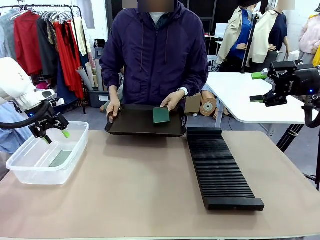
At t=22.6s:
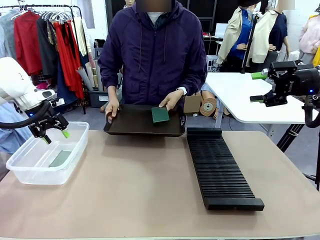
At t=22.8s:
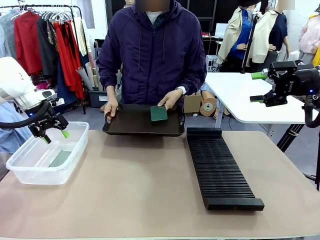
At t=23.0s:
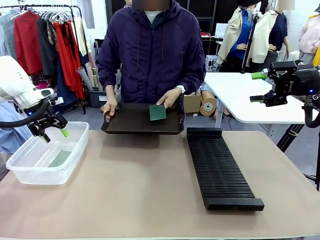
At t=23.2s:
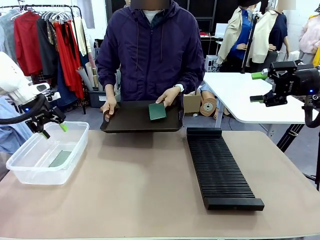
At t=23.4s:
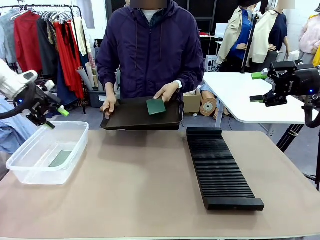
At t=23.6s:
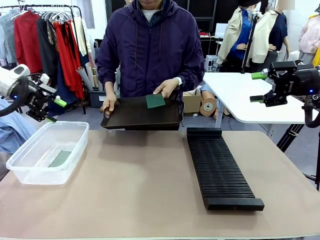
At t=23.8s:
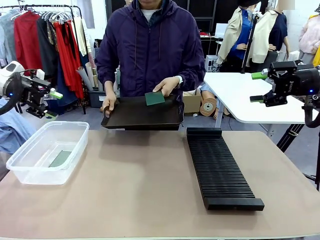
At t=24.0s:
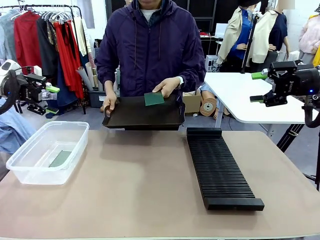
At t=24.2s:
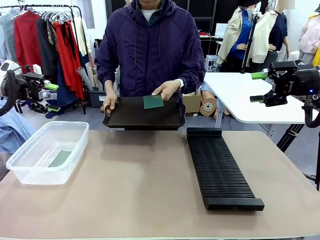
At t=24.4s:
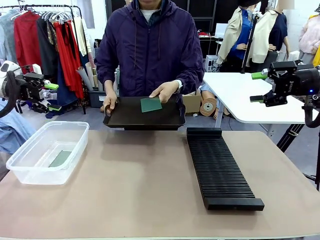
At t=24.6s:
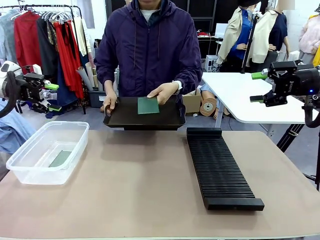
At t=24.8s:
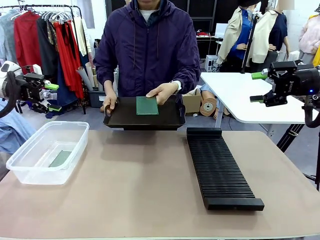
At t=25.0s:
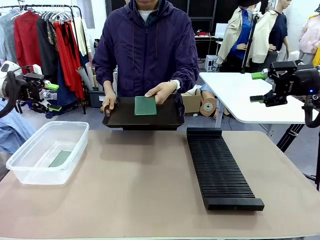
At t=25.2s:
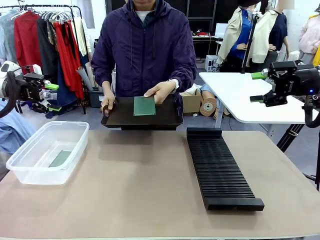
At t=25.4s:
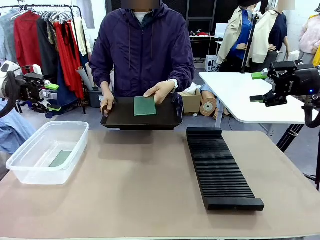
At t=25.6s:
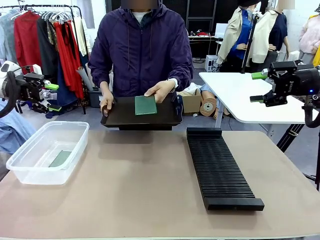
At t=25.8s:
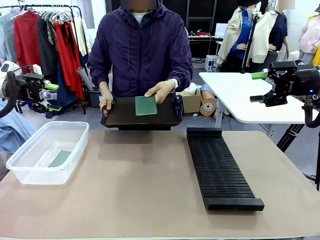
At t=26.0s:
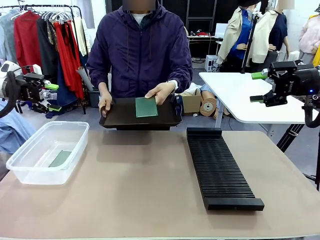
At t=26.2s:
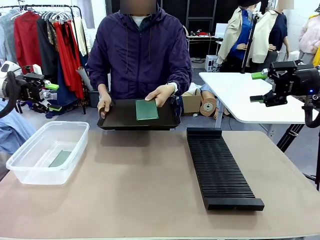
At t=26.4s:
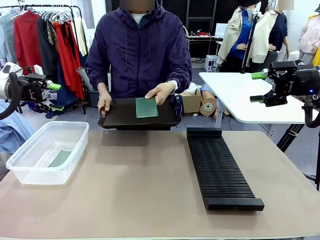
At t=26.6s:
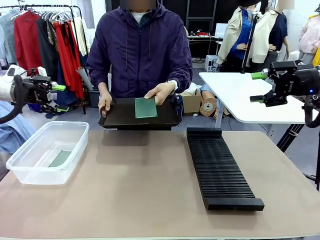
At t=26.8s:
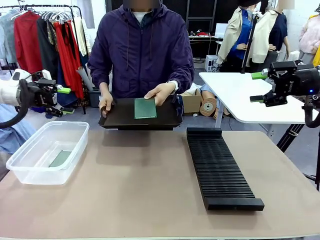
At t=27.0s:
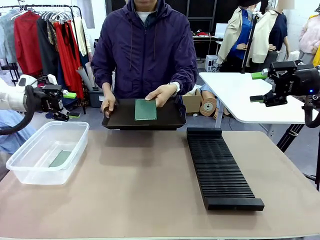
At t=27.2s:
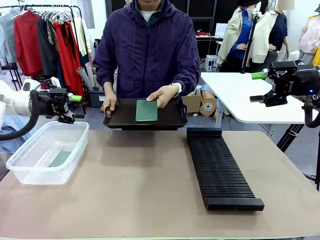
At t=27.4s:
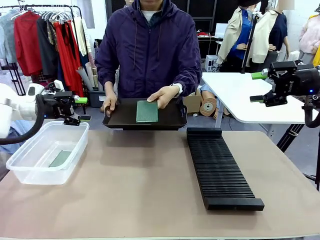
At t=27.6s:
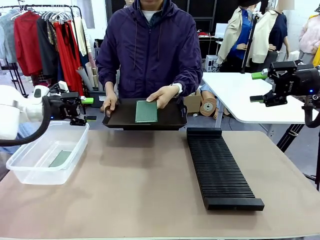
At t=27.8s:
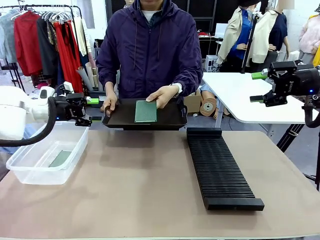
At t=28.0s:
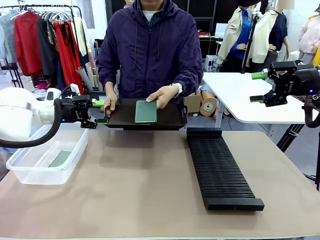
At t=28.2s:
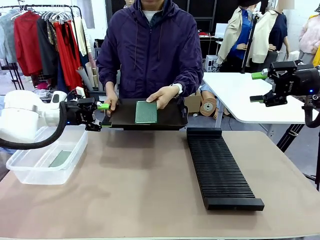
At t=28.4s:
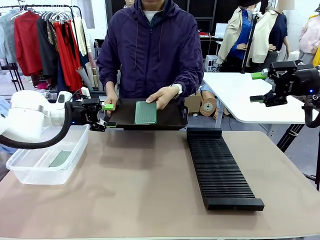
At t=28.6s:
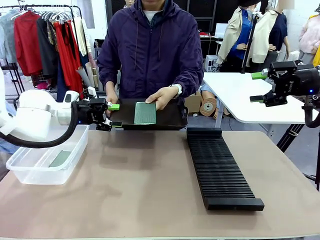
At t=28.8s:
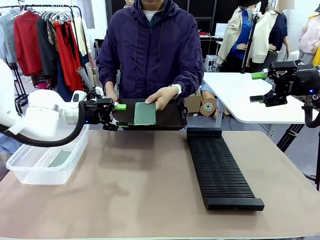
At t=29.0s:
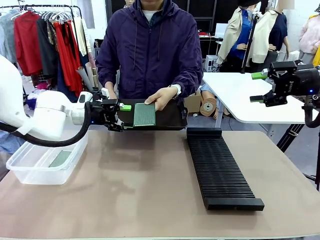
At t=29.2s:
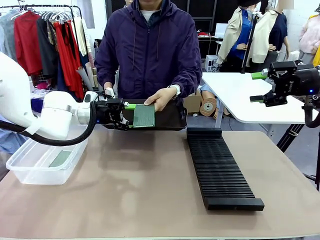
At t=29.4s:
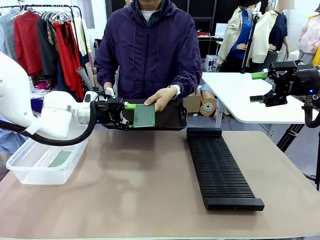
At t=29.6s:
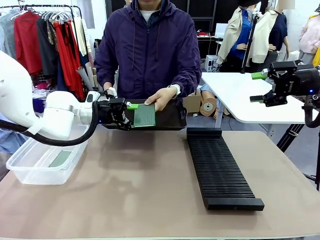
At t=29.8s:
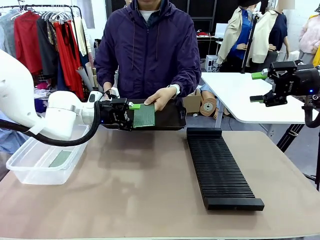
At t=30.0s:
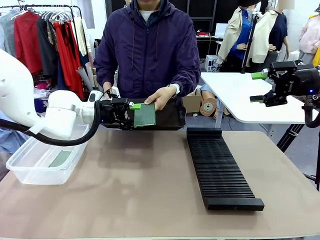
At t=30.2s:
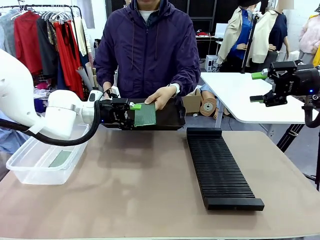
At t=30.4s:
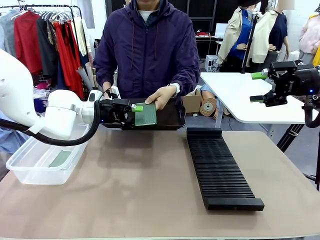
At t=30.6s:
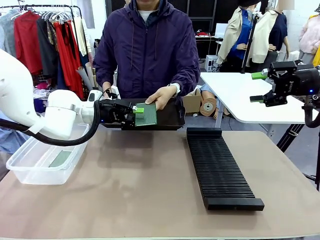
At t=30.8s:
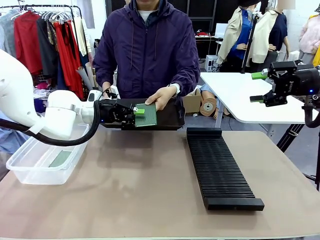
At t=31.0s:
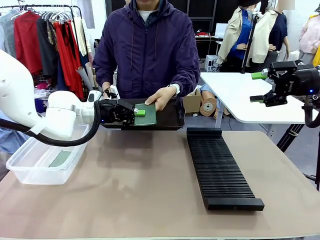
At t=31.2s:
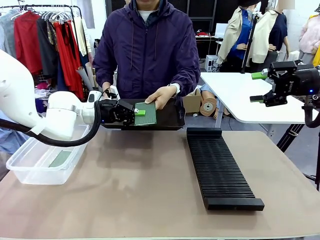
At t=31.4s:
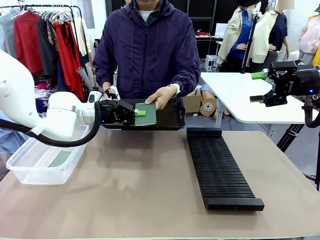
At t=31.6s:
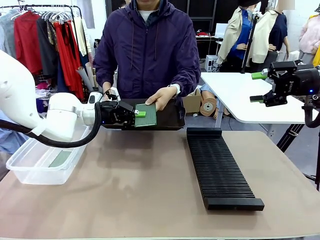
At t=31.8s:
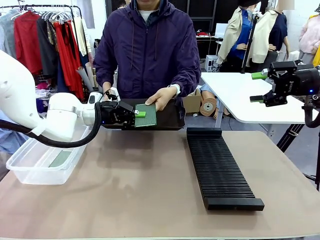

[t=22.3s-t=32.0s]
Task: Sort PCBs into racks and boxes based on the side picked up.
Robot: Pick up the Blank PCB handed by the Human.

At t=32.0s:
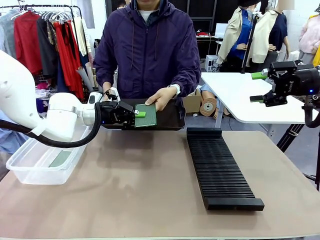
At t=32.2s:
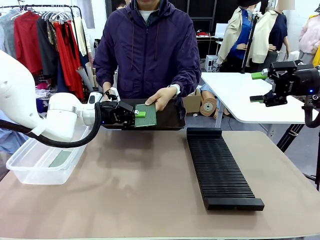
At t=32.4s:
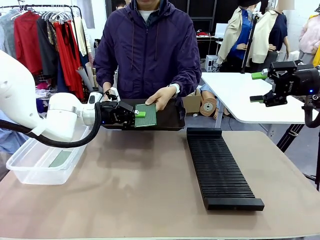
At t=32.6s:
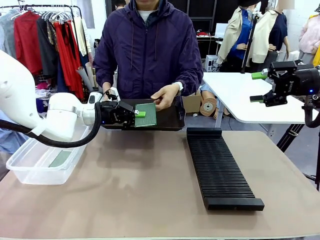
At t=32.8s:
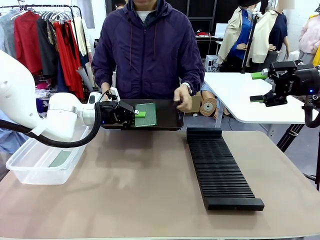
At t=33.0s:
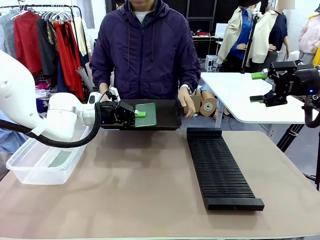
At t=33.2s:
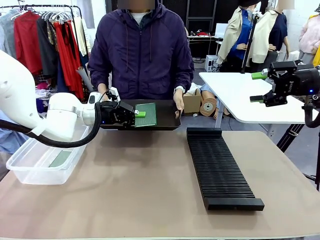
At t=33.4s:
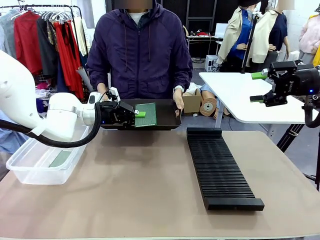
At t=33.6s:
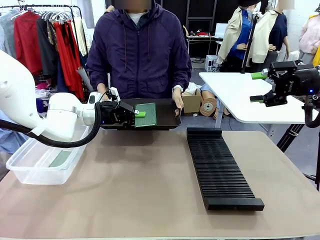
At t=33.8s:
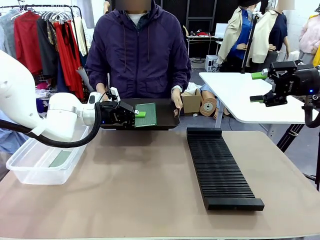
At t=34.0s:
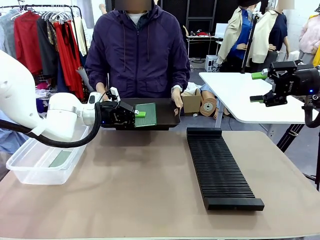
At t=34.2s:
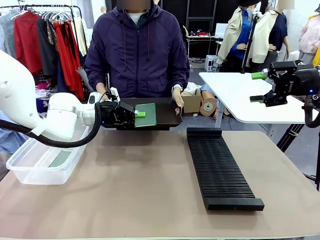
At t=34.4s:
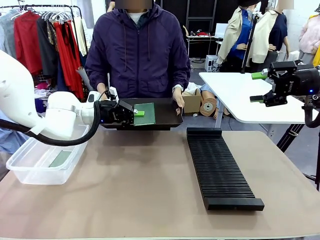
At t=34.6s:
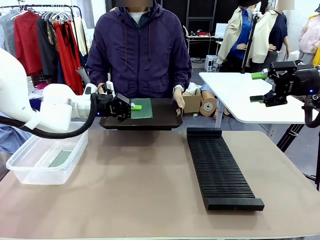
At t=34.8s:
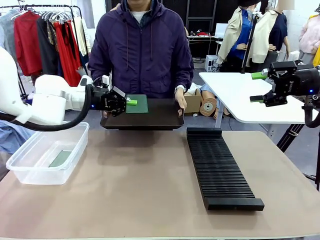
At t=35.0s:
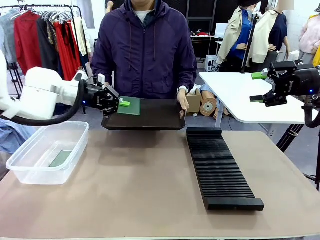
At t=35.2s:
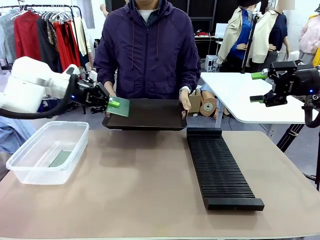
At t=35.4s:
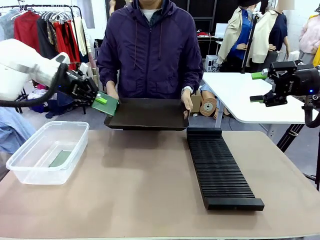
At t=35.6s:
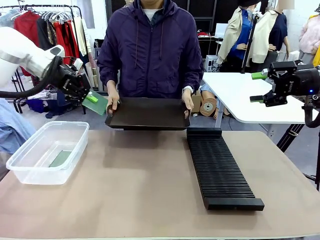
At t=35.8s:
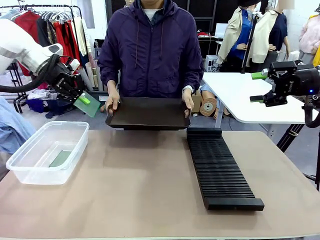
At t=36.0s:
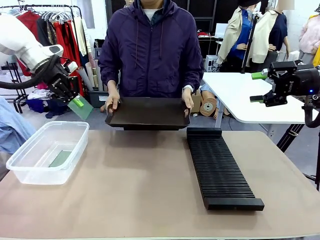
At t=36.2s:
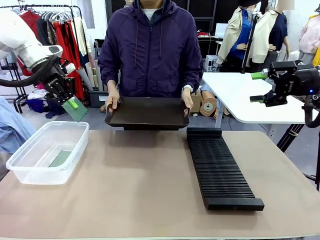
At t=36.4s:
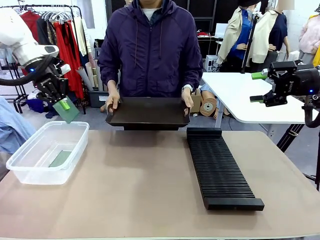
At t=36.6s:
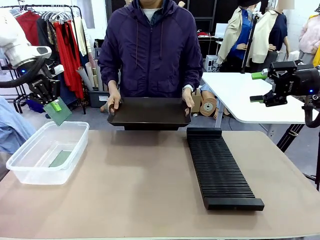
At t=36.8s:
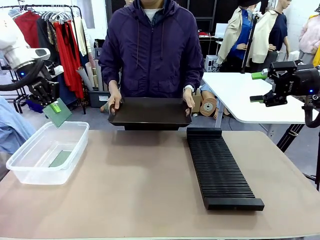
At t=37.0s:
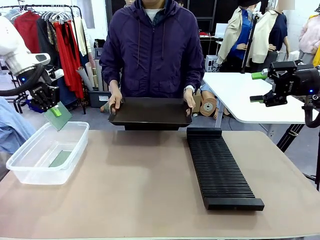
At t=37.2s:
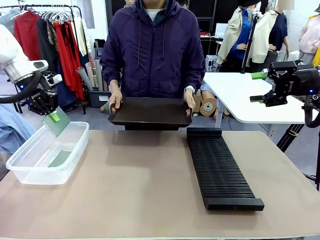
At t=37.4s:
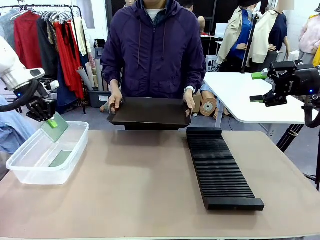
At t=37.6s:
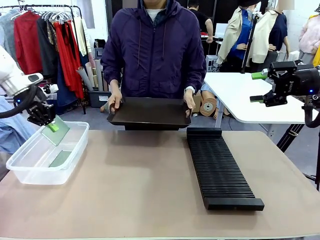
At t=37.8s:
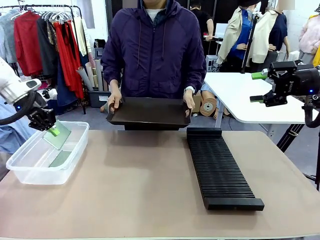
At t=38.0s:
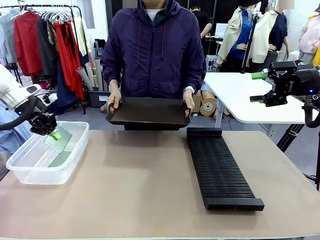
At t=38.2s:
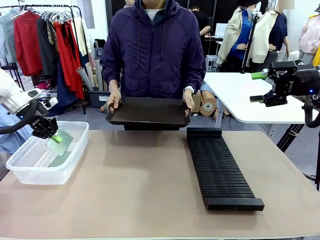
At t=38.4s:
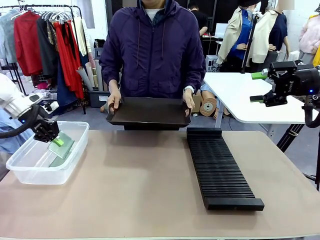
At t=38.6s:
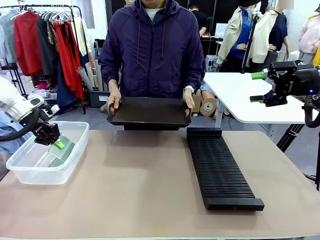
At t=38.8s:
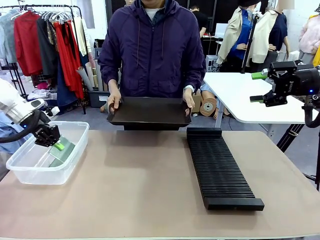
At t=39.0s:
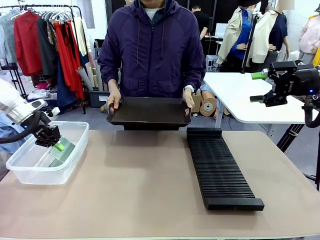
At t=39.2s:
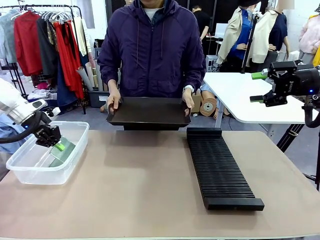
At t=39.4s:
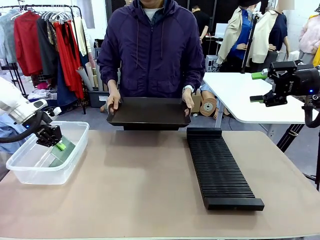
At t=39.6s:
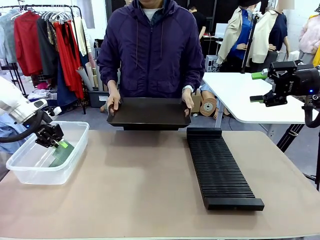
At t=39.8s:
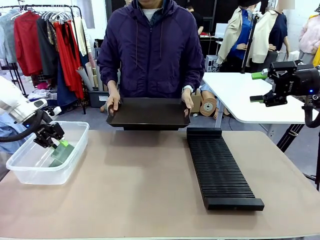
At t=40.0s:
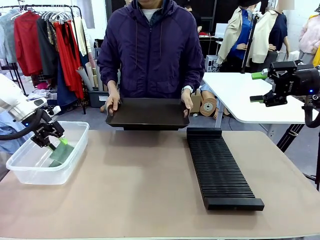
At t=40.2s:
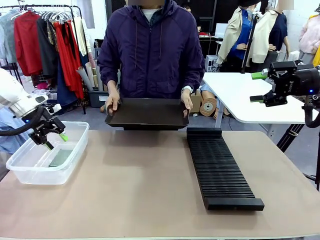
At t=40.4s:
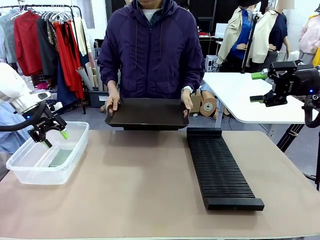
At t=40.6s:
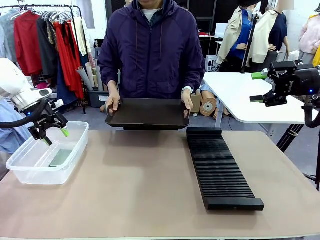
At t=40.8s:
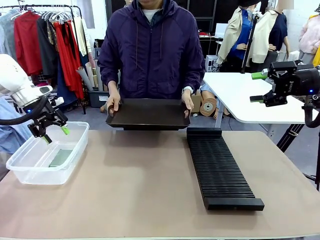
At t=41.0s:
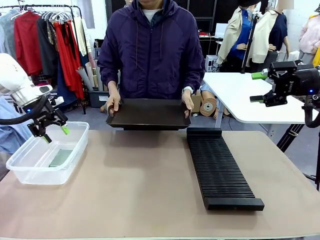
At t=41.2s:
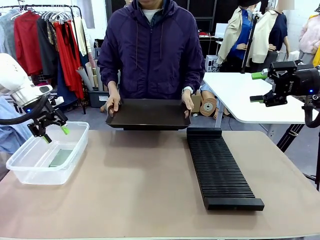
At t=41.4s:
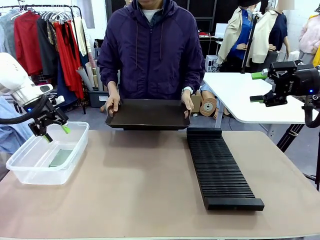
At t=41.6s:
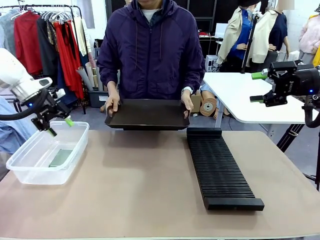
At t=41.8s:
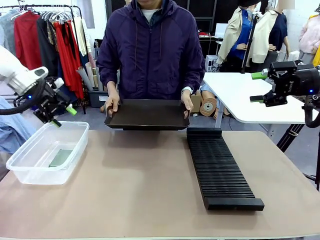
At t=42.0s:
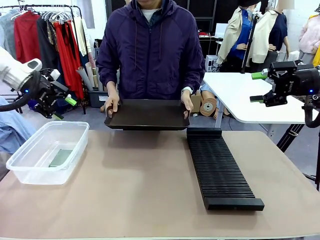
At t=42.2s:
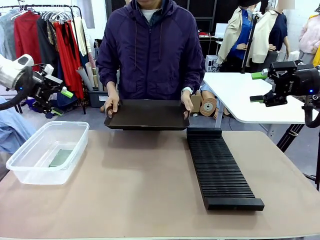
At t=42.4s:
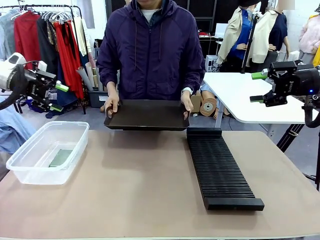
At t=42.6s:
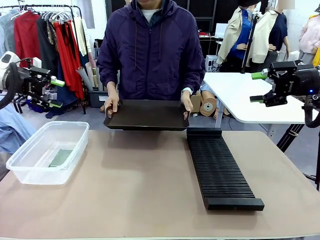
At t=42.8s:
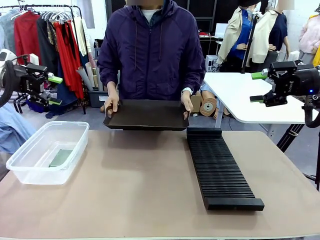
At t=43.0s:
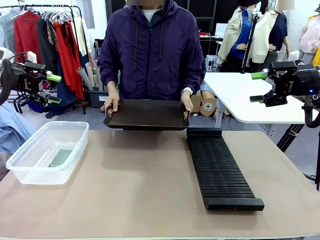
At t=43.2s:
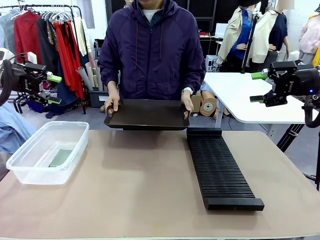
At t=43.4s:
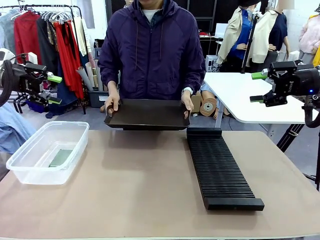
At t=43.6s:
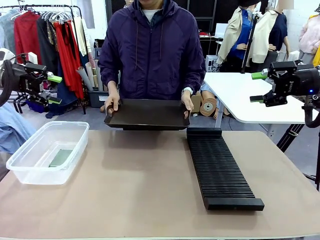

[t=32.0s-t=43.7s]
Robot: If the short side of the Blank PCB is picked up, insert it into the PCB Rack ; if the long side is picked up, place it in the Organizing box.
Person: Release the PCB being held.
